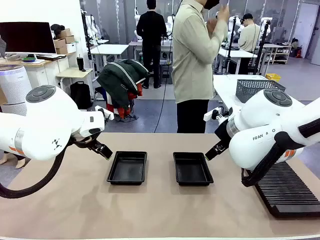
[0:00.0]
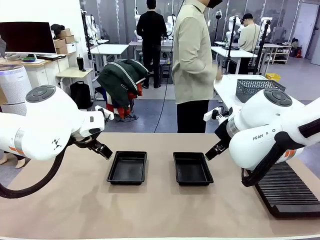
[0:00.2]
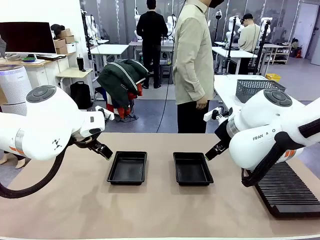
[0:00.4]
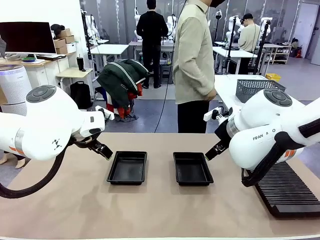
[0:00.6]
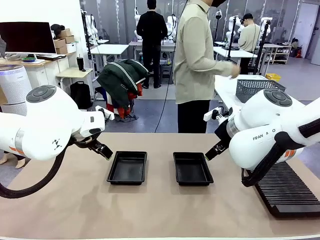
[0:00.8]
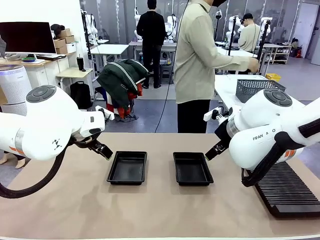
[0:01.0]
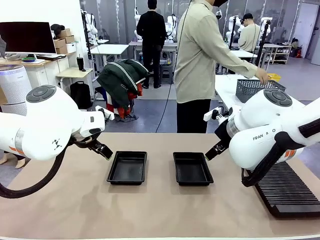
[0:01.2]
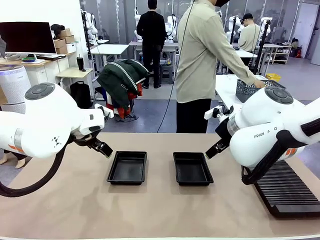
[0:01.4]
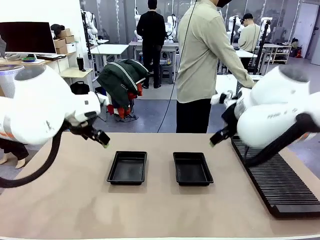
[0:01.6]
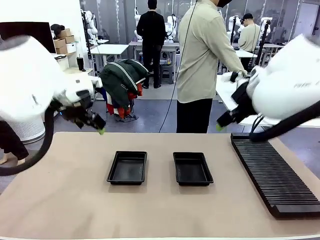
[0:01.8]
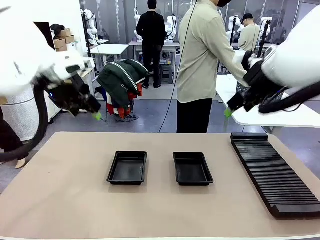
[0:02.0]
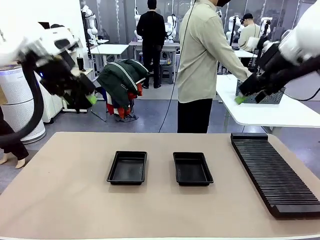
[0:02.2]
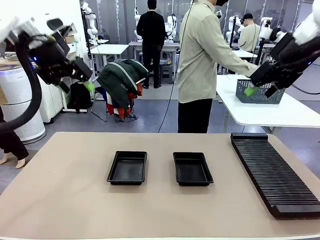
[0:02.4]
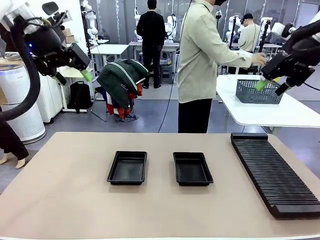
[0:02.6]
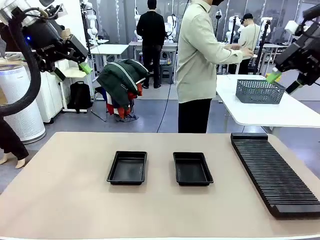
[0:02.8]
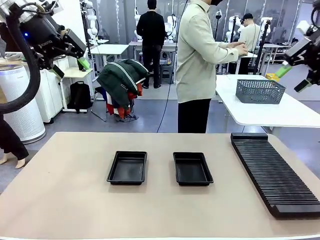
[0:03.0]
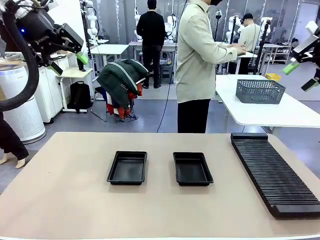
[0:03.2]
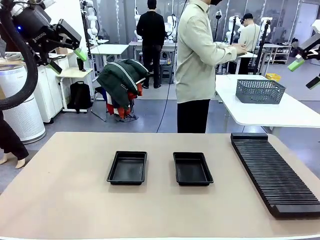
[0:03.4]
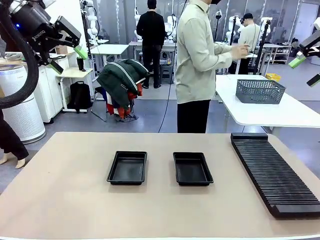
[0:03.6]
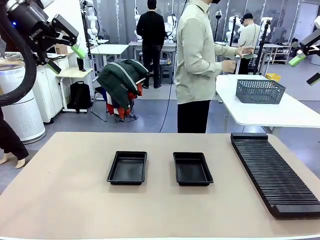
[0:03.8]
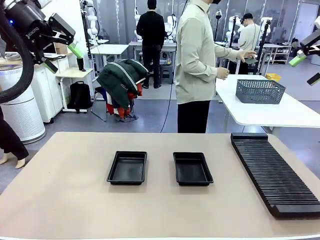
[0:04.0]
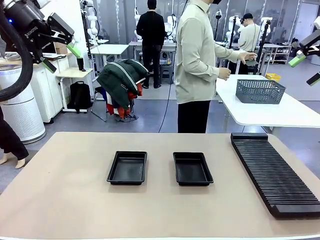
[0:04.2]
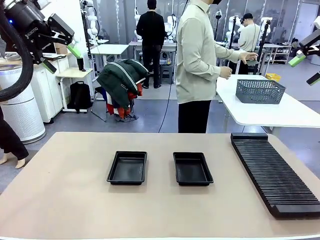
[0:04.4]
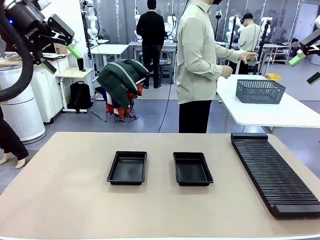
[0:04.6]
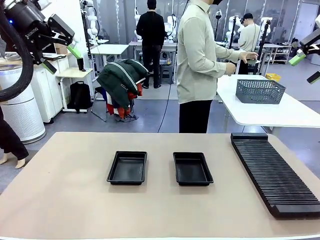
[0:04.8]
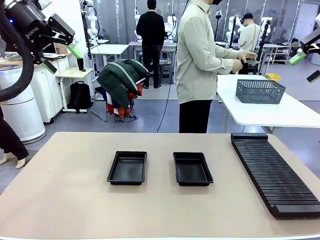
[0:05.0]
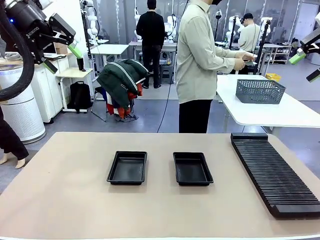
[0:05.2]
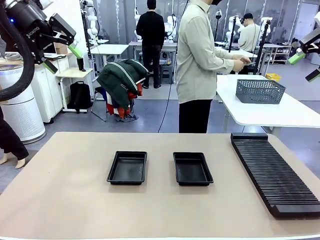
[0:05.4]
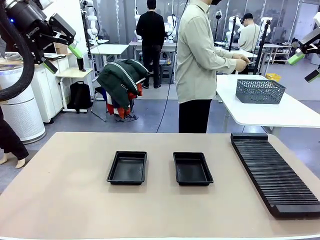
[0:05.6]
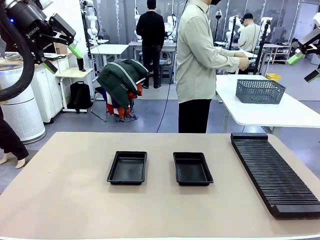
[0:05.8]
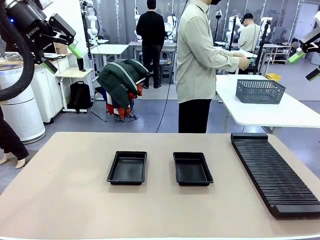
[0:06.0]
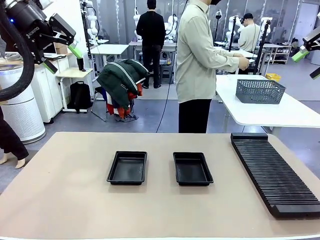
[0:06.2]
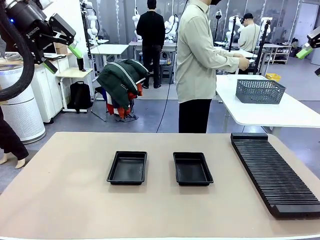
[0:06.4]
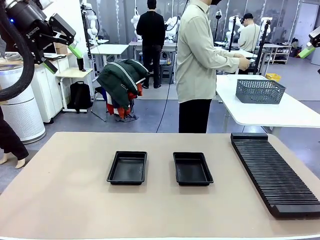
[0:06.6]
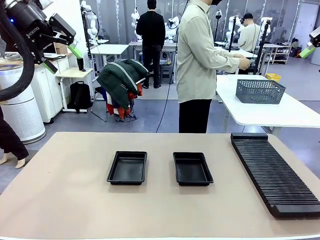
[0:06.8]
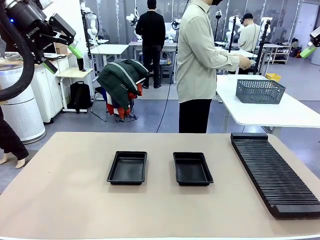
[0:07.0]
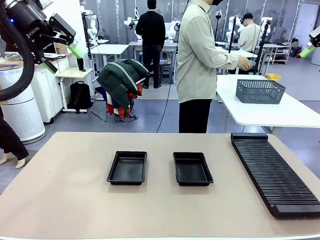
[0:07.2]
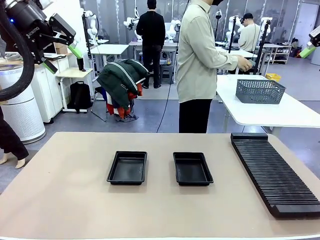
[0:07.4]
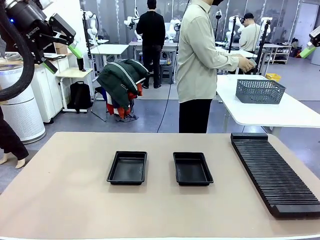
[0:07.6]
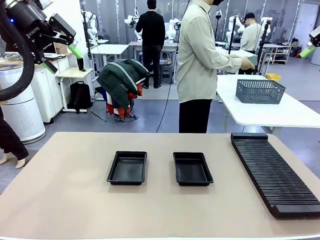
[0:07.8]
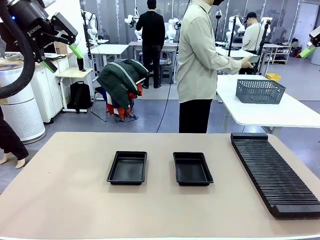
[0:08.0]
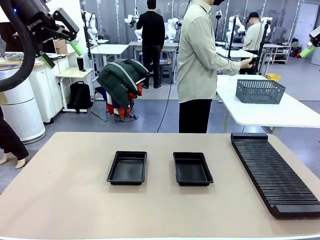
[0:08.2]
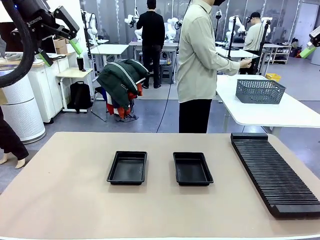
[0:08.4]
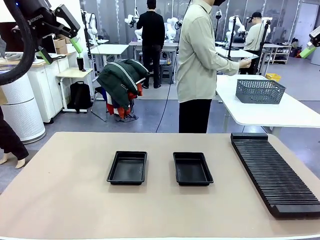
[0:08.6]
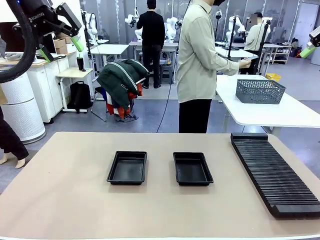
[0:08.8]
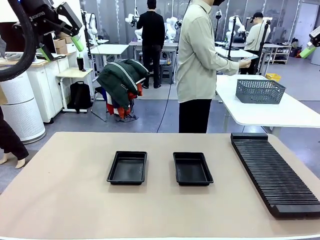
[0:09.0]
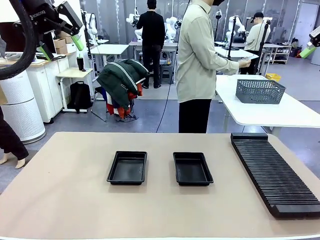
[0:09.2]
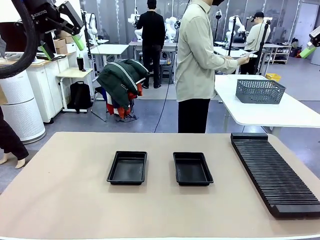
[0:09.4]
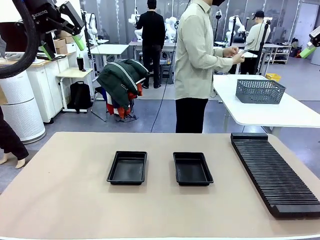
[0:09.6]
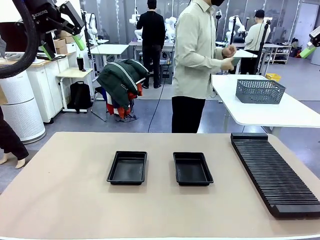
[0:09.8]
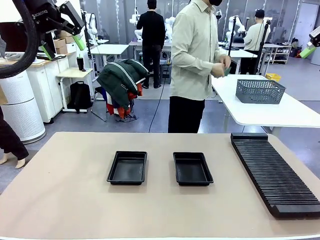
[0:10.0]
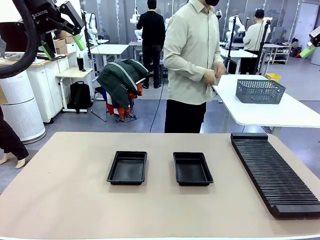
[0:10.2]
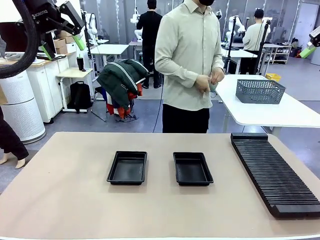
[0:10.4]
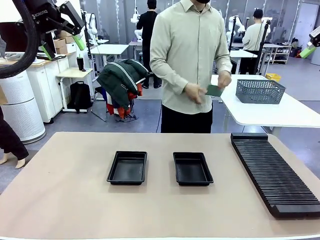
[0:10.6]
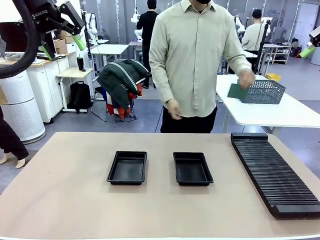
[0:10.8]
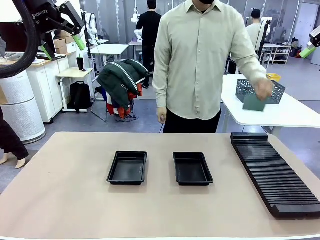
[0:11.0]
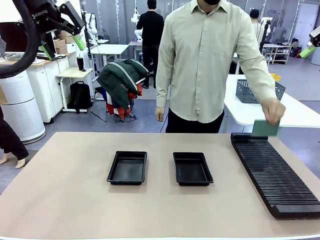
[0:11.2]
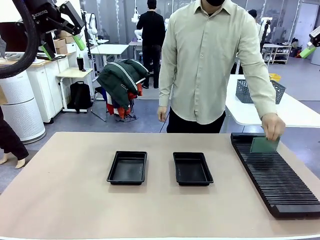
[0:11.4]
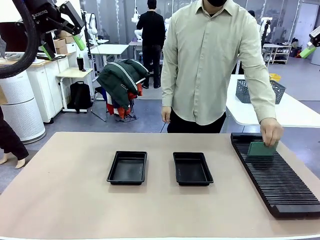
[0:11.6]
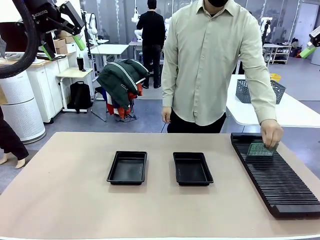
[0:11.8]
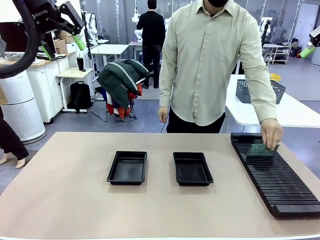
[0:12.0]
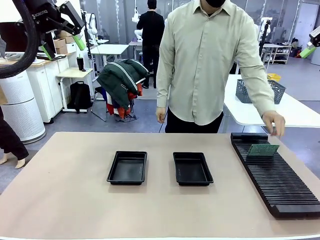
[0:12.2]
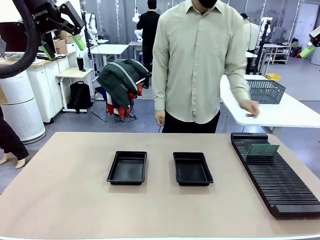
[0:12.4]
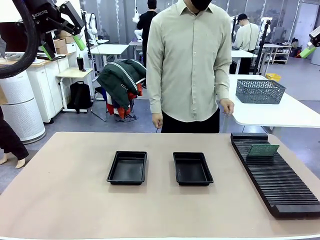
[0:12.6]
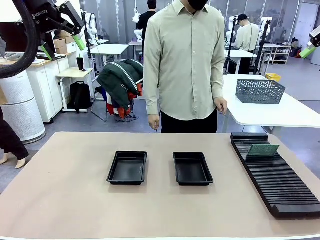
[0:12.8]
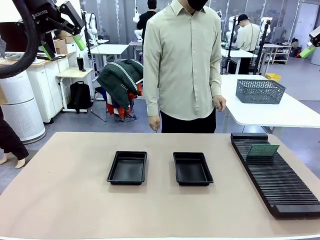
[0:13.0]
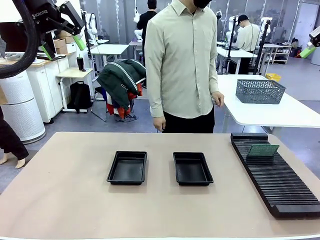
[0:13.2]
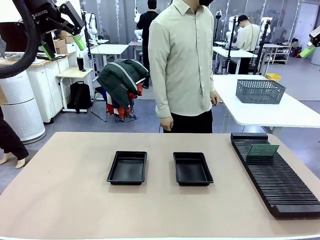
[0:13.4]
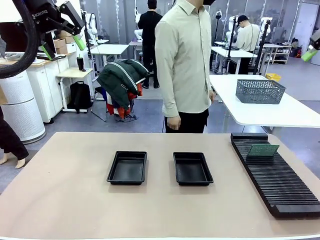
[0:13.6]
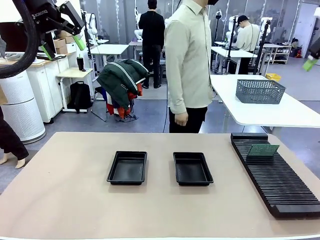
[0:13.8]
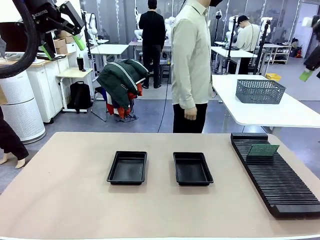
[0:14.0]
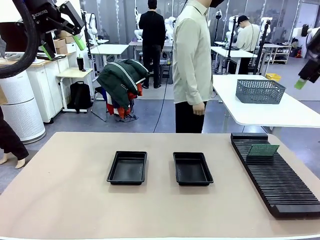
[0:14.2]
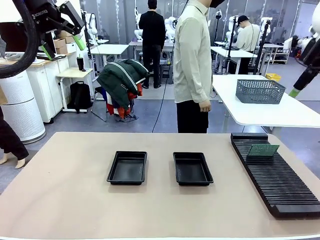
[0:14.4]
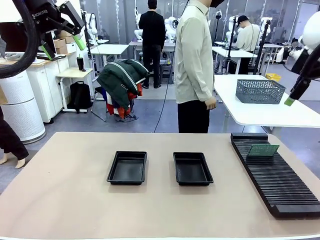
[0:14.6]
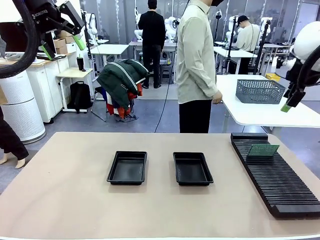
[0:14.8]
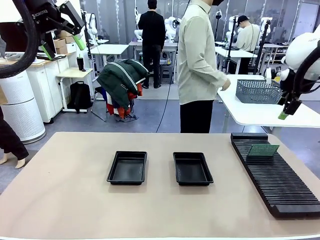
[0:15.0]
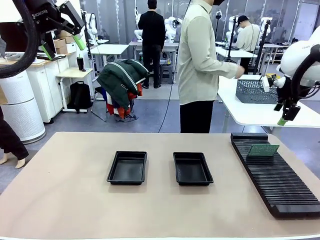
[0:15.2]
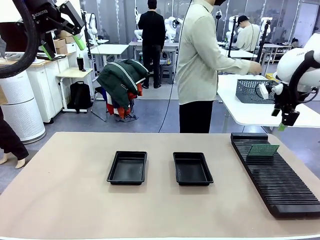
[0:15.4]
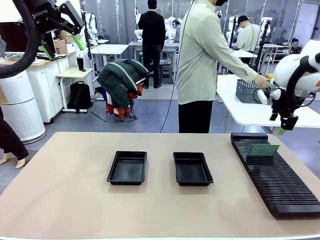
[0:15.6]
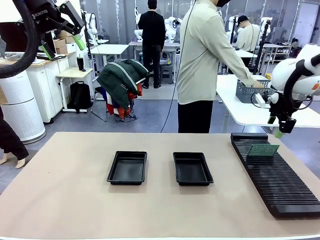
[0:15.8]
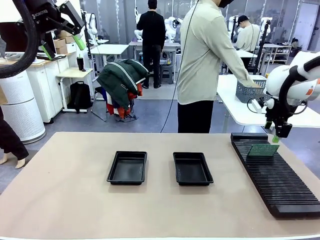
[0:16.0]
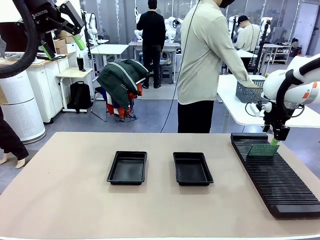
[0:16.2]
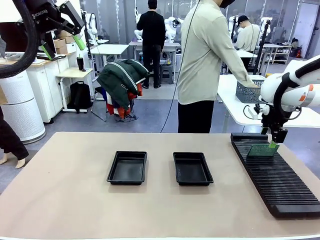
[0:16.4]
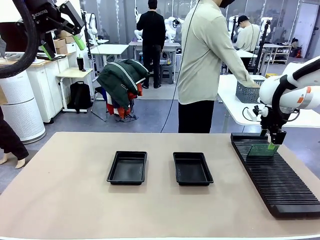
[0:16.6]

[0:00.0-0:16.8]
Task: Inspect and transfer BCBs to ESD trays.
Robot: Pick up the Blank PCB from the PCB Rack and place it in the left ESD tray.

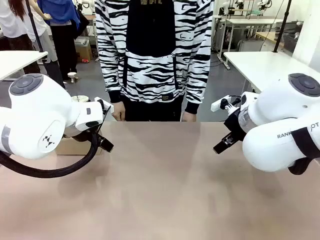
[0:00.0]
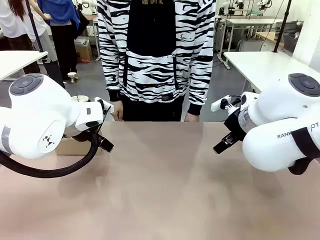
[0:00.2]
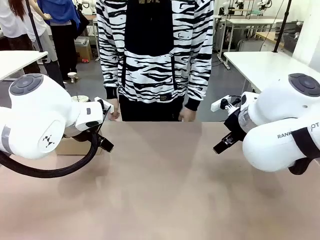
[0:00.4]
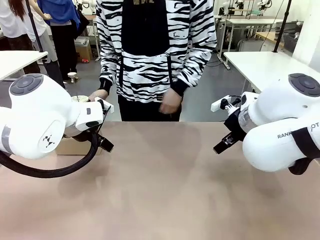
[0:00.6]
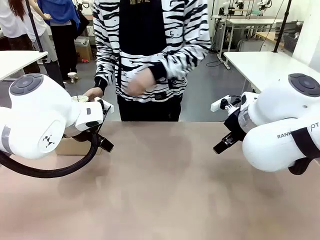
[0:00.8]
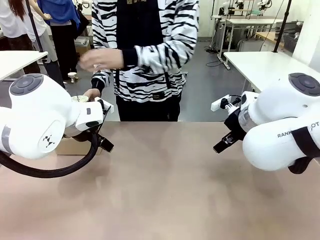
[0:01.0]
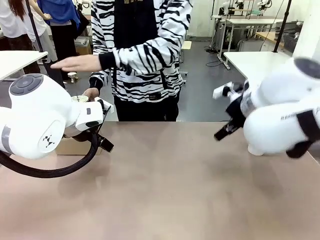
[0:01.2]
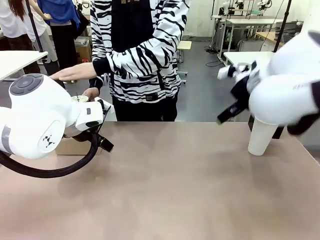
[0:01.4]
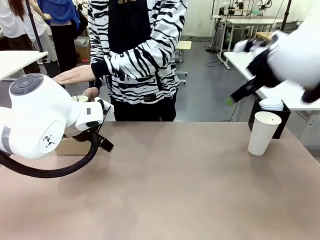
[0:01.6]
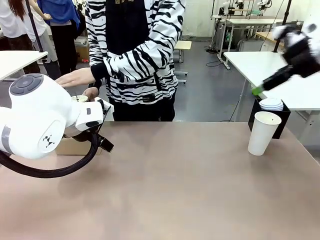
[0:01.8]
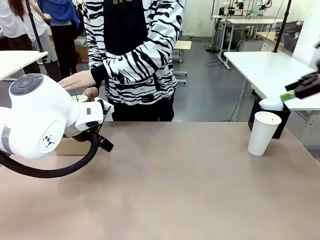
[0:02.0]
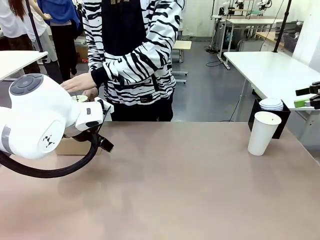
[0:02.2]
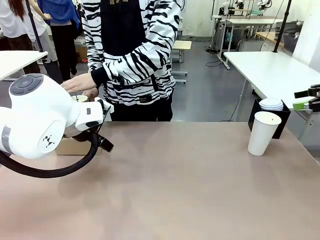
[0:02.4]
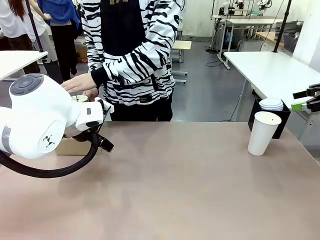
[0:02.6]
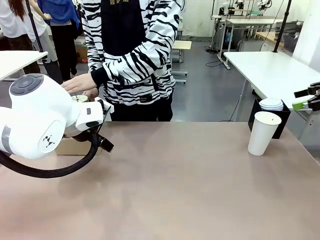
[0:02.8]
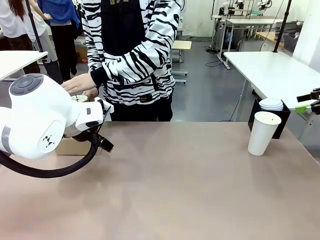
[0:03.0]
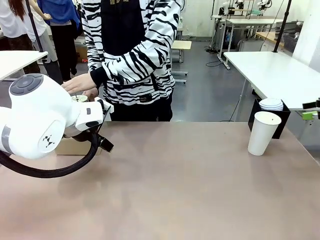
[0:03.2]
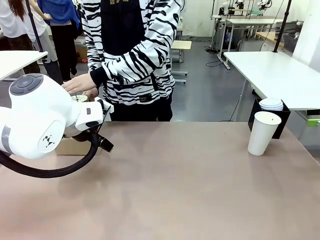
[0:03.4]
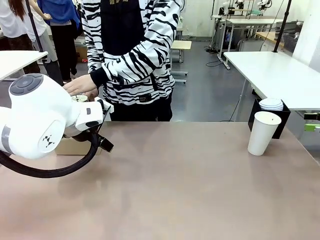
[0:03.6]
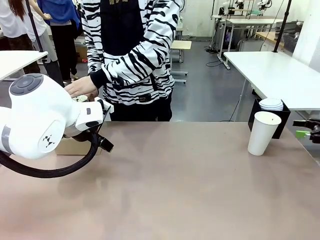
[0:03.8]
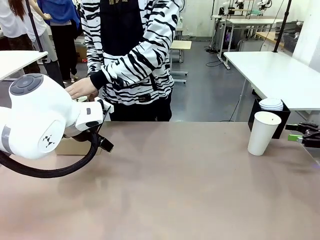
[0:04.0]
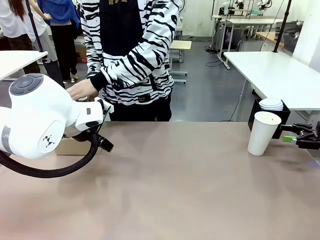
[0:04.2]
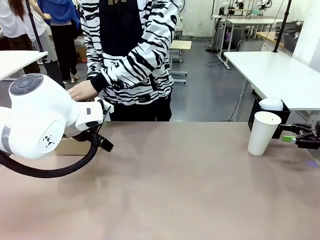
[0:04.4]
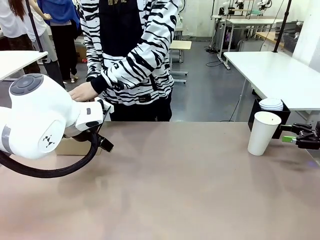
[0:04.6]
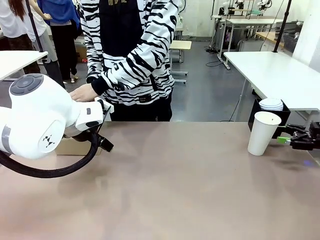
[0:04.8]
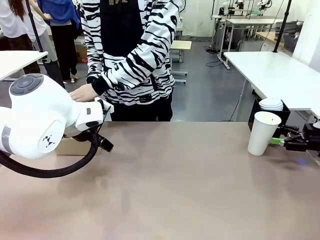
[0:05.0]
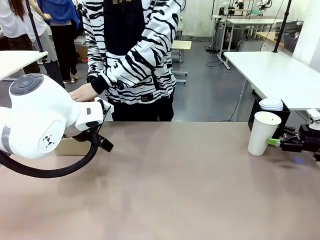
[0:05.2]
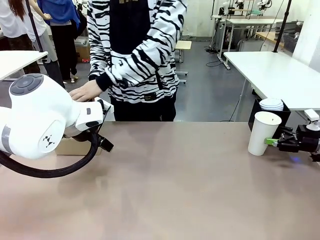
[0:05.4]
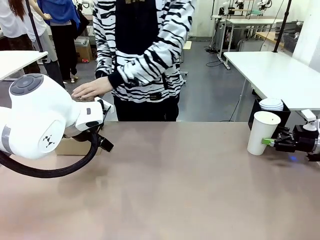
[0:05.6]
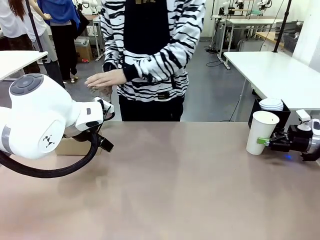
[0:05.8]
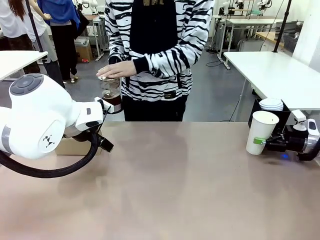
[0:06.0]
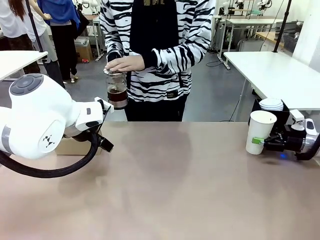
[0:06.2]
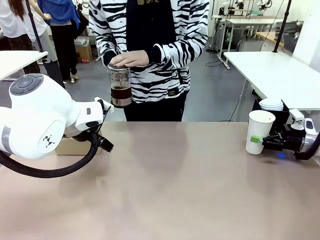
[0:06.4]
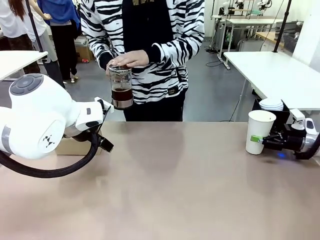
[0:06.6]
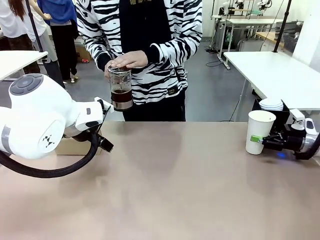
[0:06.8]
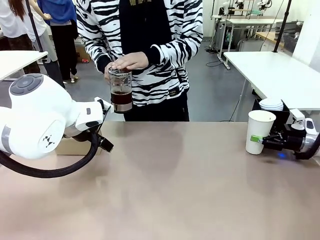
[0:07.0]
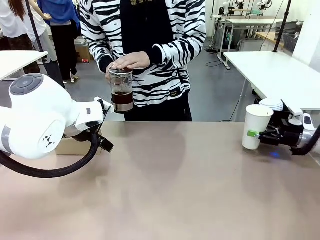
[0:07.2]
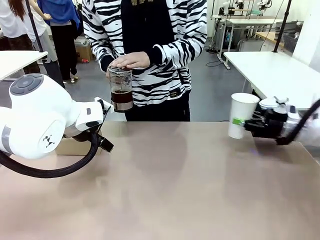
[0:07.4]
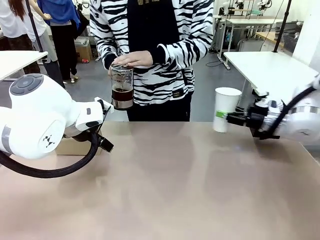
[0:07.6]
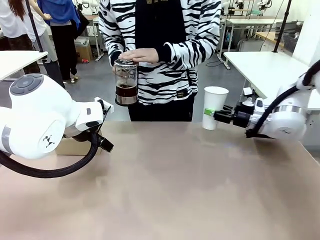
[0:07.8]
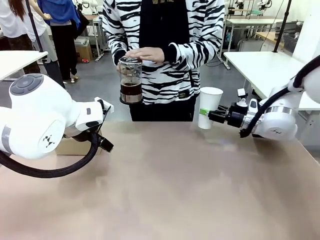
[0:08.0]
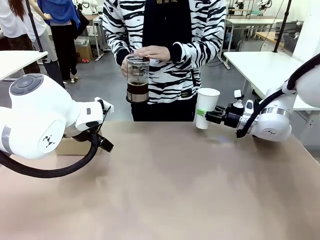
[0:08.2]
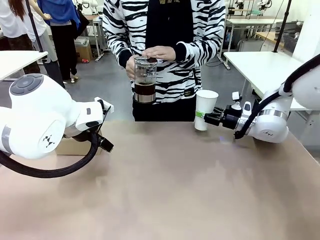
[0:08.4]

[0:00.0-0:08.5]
Task: Pour a drink into a cup and package it in a carrier.
Robot: Pick up the 600 ml Paper Cup and place it in the middle top area of the table.
Person: Press and pick up the Filter Brewing.
